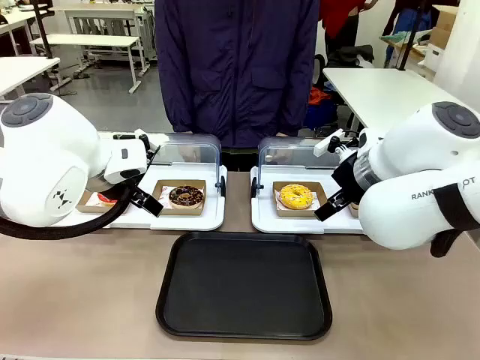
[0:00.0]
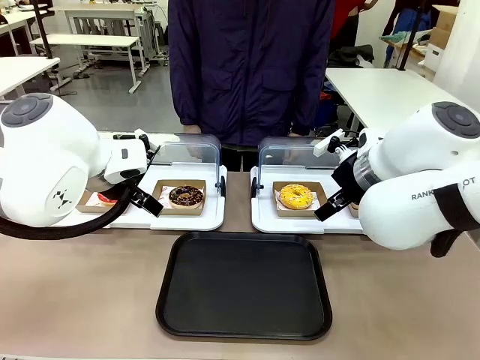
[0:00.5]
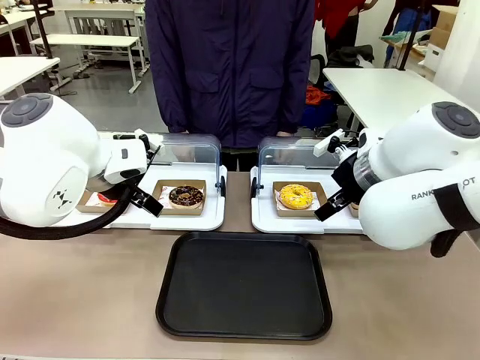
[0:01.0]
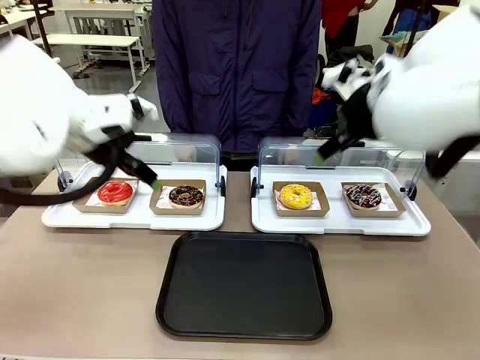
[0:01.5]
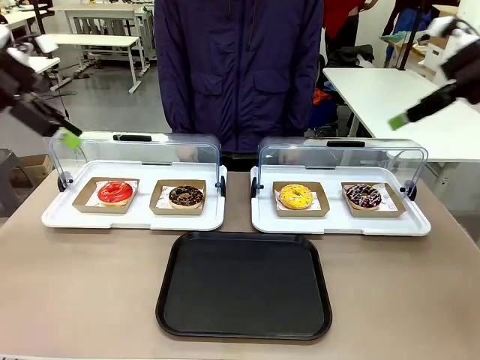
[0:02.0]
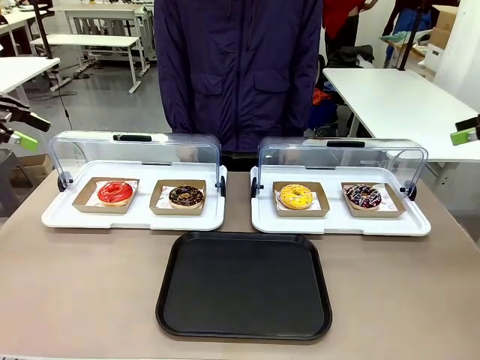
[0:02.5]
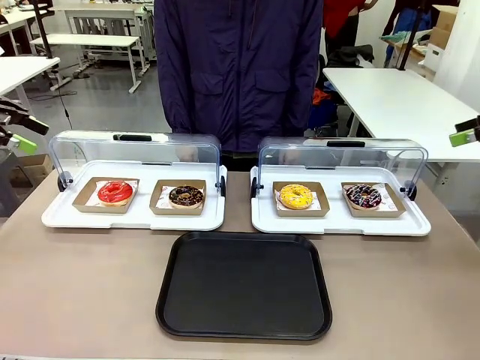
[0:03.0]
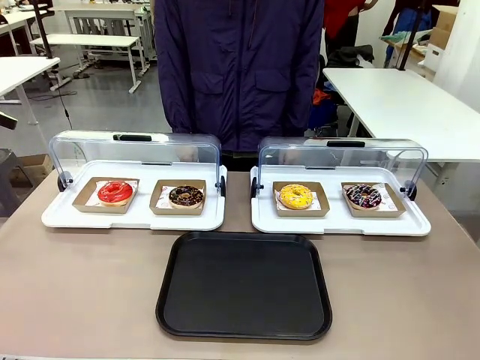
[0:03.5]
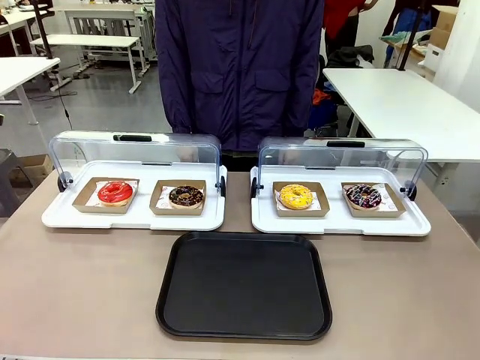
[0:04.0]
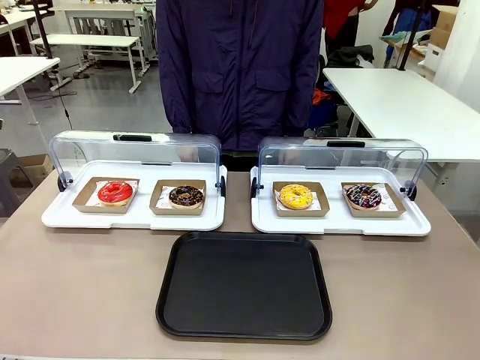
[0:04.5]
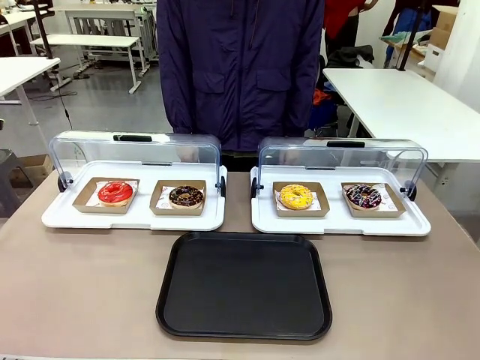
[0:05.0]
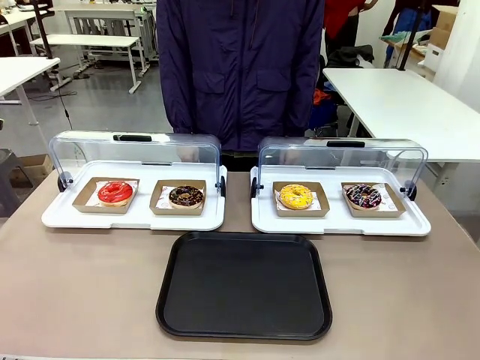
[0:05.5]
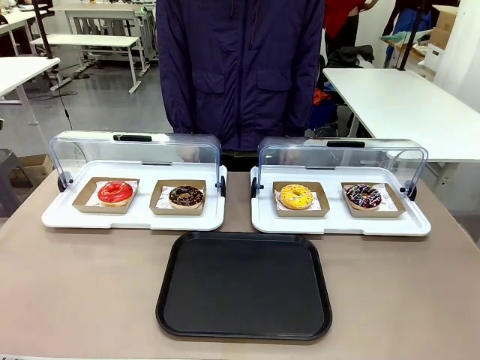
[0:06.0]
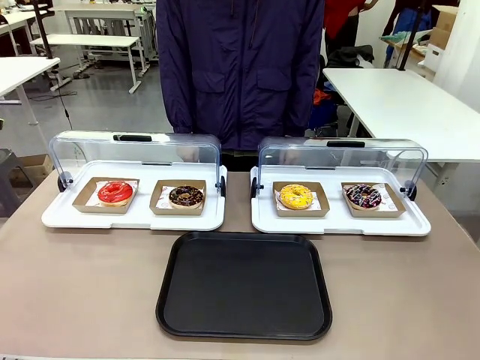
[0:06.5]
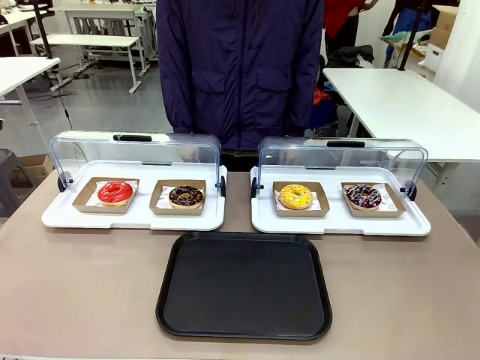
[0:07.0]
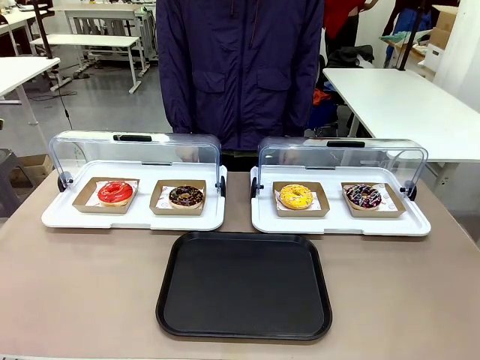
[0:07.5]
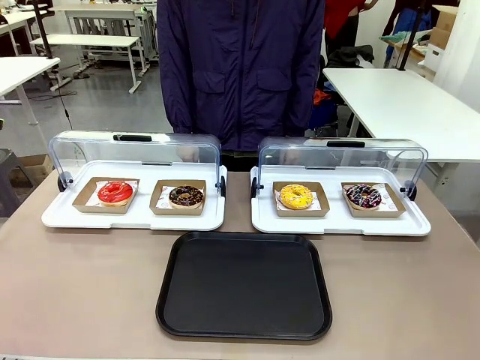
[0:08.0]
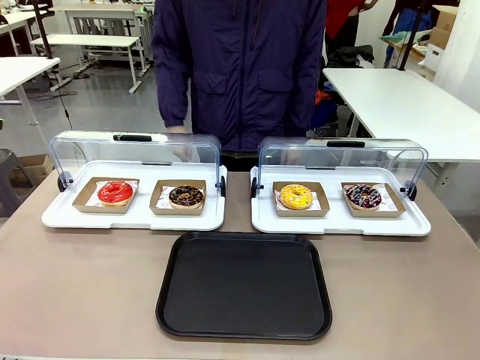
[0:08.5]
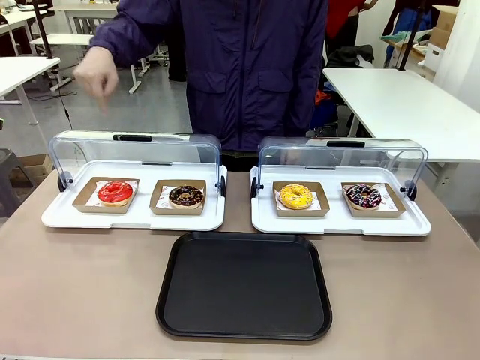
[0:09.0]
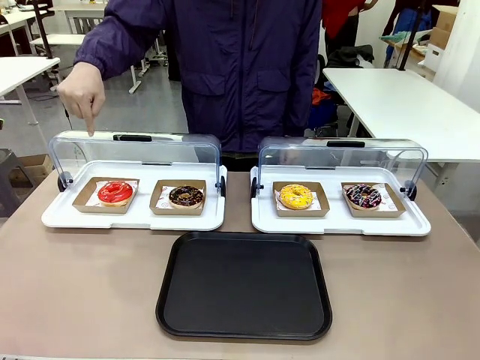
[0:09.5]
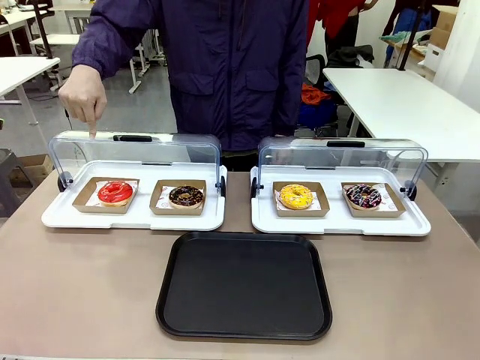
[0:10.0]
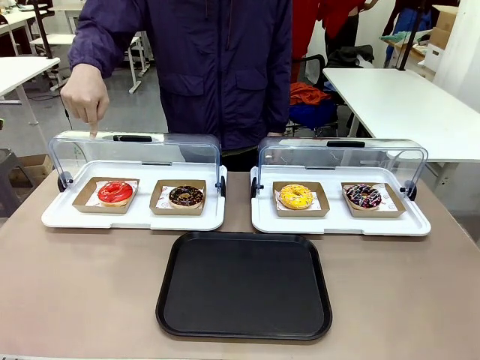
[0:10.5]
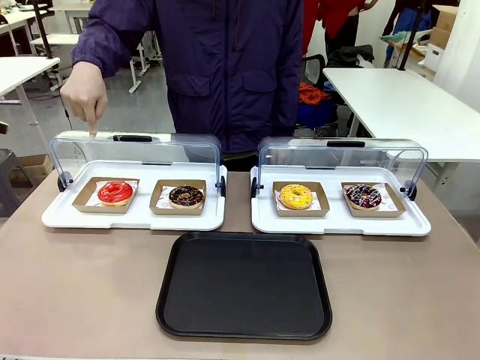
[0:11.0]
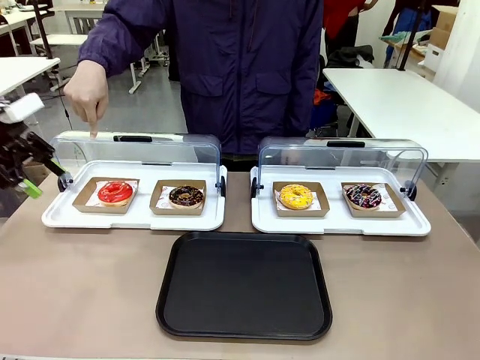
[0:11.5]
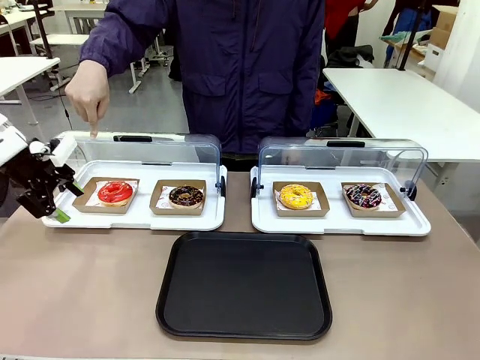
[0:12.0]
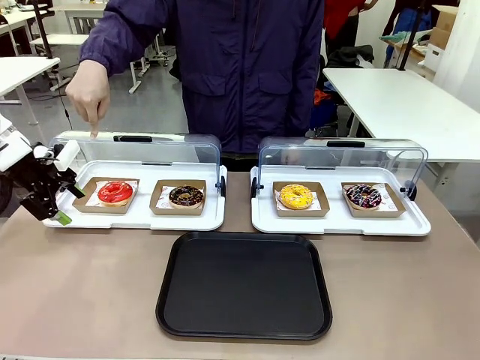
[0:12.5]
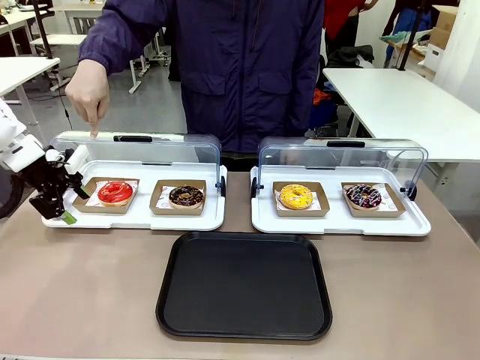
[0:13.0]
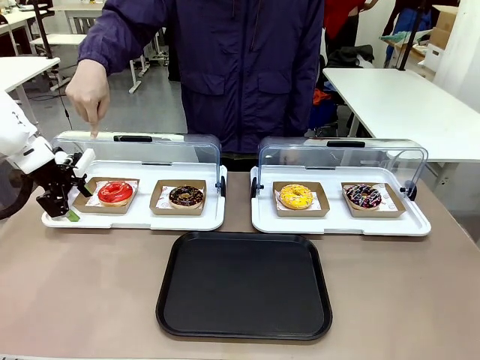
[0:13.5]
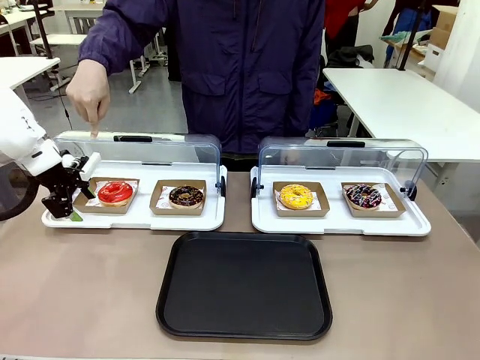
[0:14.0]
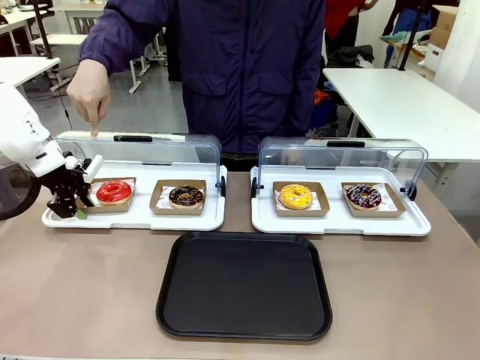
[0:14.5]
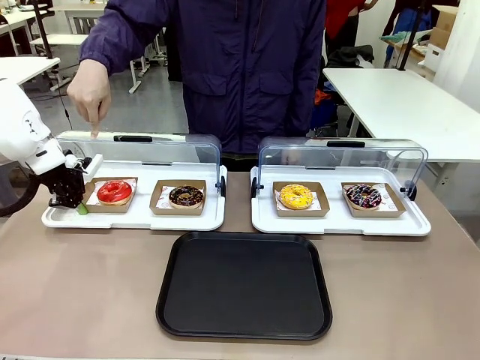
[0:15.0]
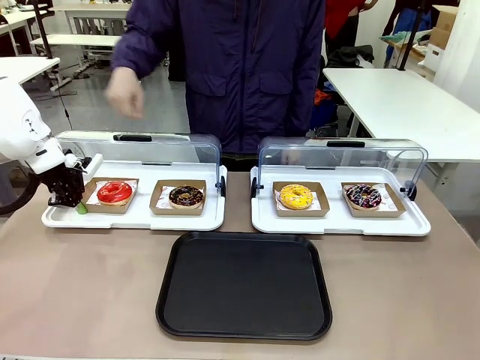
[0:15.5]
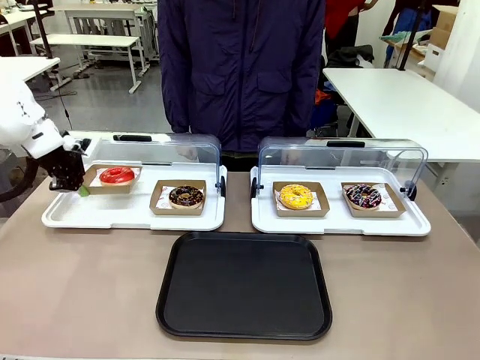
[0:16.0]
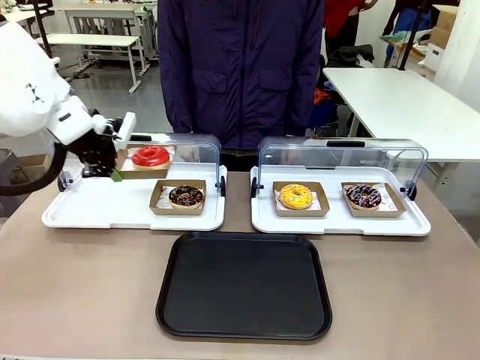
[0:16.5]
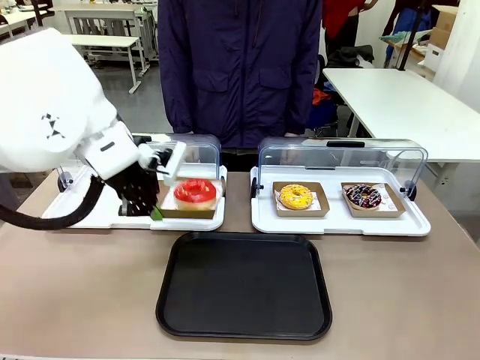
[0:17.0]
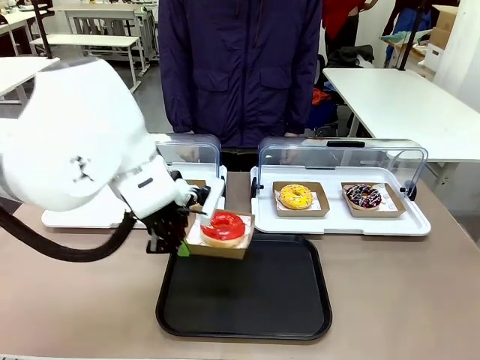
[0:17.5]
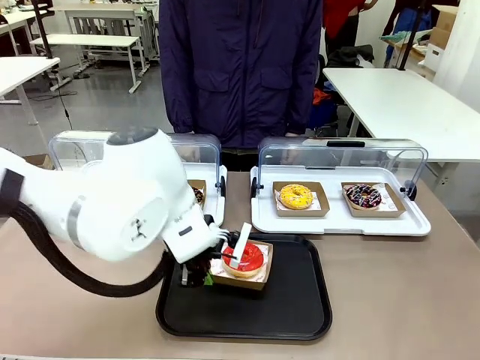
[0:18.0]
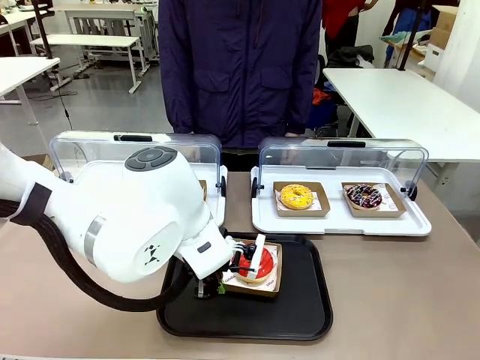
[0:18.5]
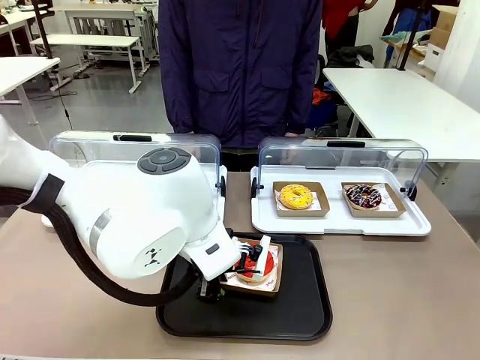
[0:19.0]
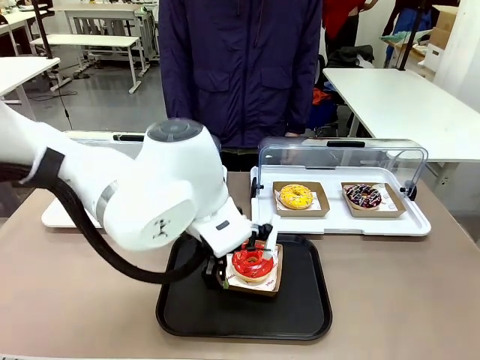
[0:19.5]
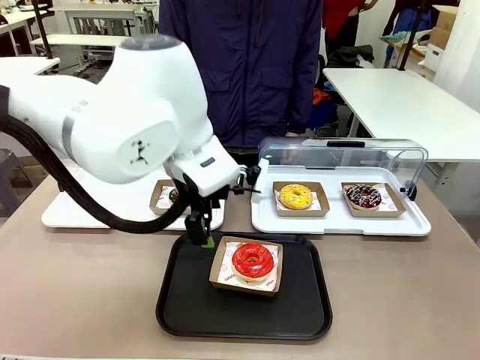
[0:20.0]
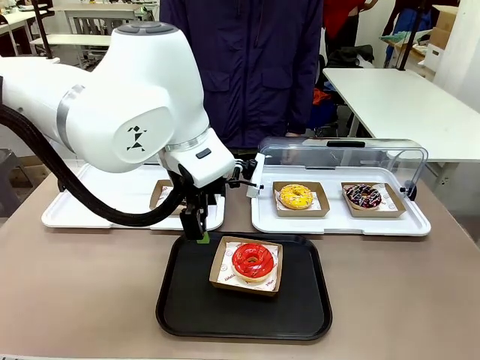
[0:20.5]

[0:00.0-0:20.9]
Task: Move the first donut from the left to the tray.
Robot: Pick up the Paper togo box containing the Donut indicated by the person and place it on the Handle tray.
Person: Points to the first donut from the left from the robot’s perspective.
